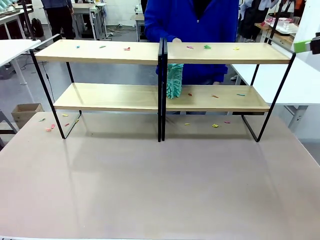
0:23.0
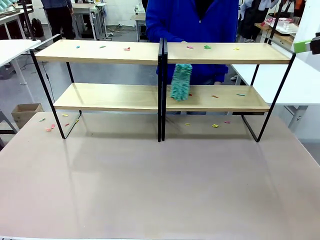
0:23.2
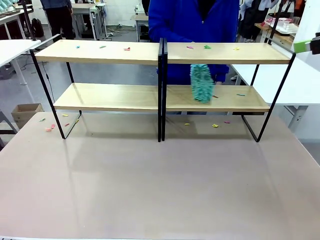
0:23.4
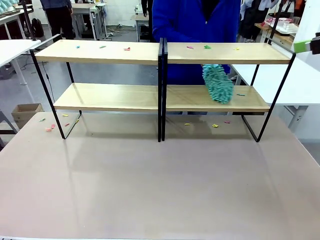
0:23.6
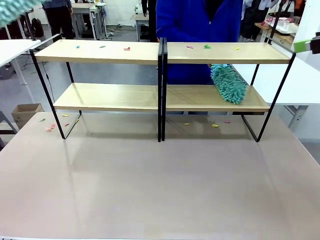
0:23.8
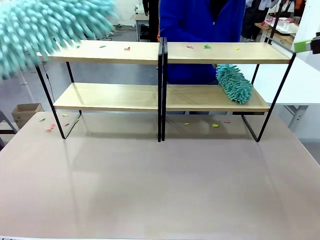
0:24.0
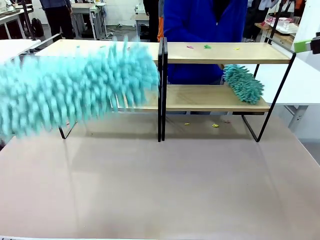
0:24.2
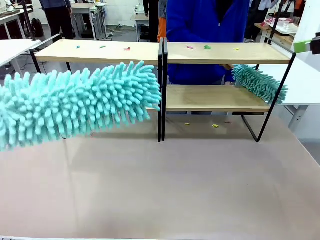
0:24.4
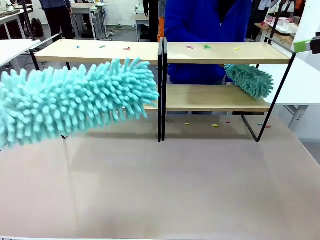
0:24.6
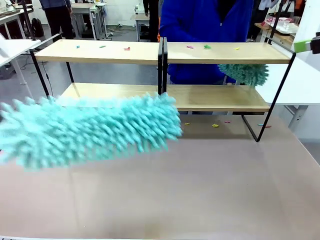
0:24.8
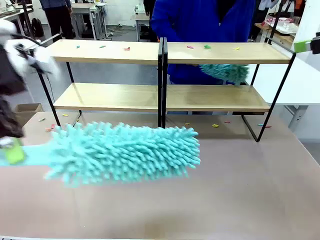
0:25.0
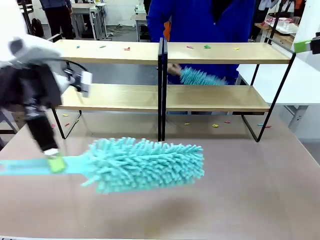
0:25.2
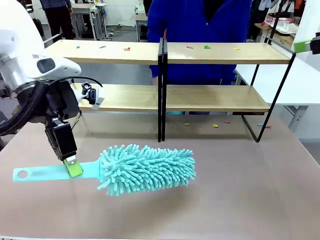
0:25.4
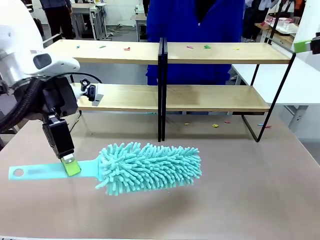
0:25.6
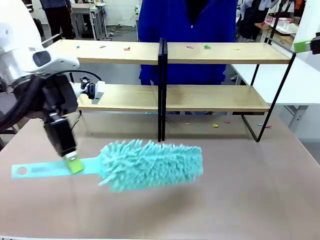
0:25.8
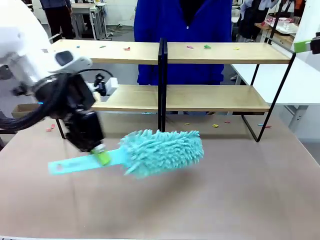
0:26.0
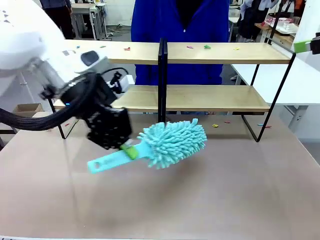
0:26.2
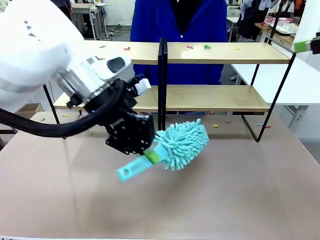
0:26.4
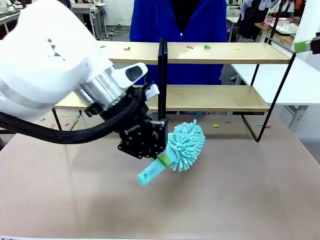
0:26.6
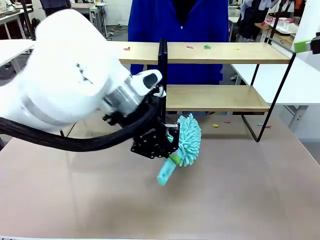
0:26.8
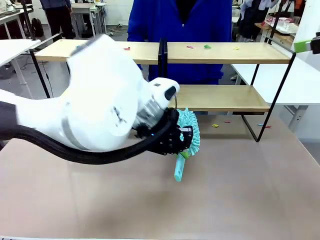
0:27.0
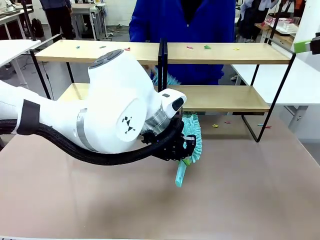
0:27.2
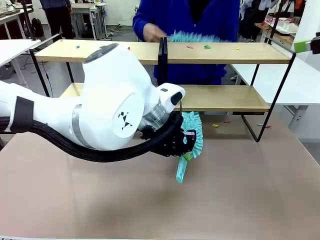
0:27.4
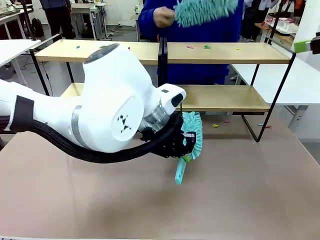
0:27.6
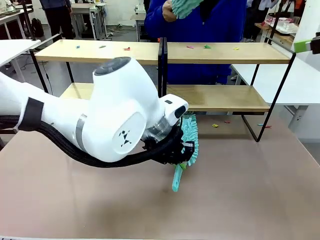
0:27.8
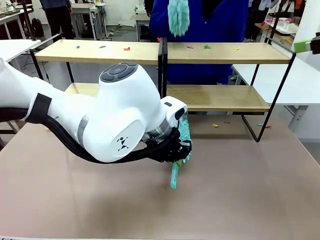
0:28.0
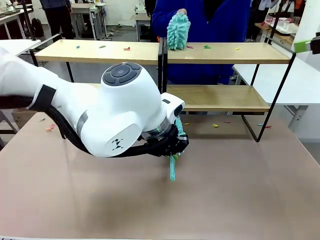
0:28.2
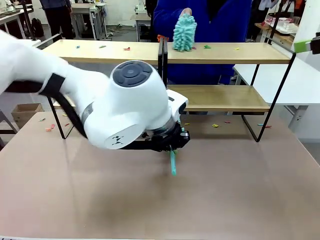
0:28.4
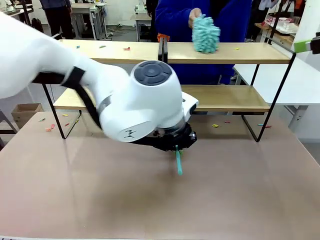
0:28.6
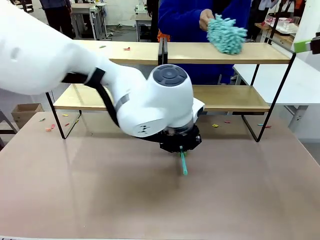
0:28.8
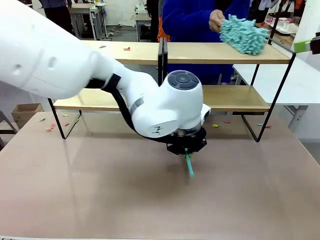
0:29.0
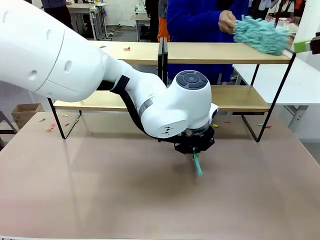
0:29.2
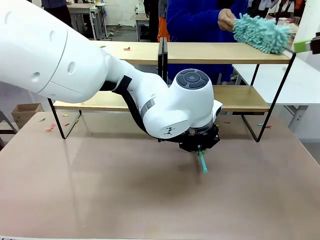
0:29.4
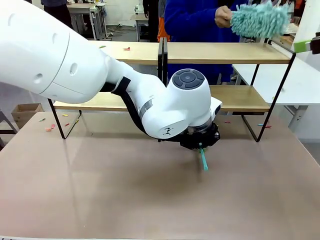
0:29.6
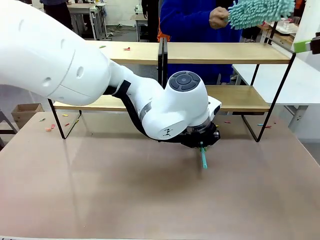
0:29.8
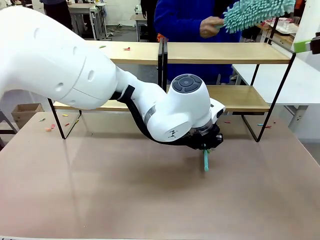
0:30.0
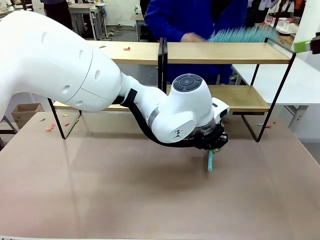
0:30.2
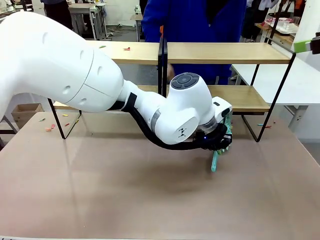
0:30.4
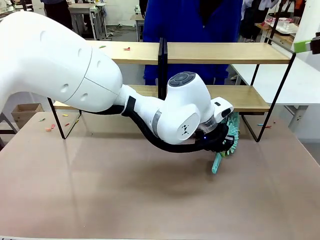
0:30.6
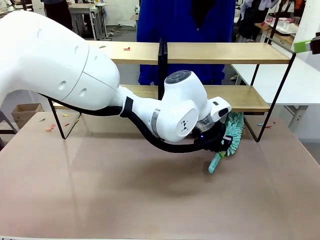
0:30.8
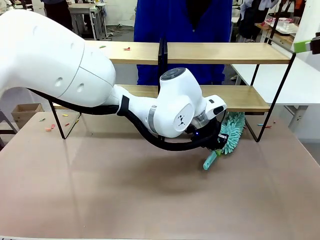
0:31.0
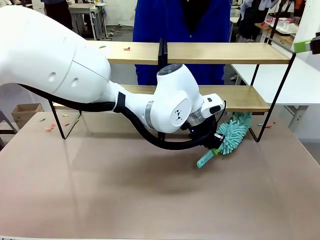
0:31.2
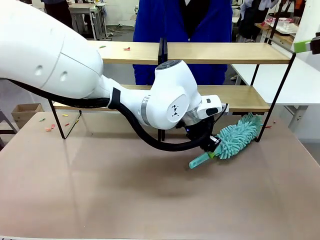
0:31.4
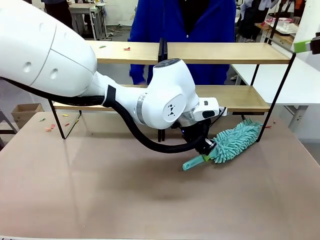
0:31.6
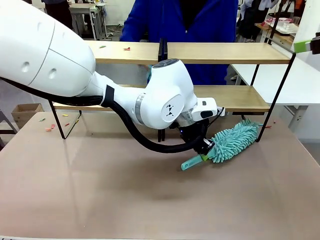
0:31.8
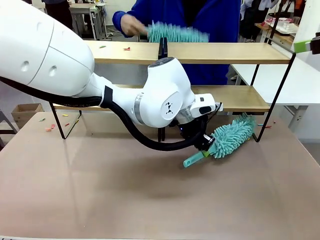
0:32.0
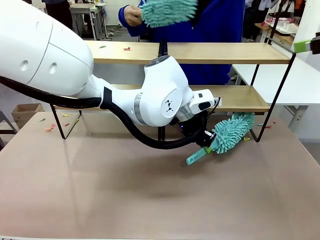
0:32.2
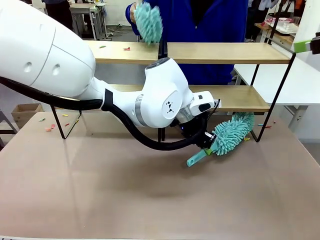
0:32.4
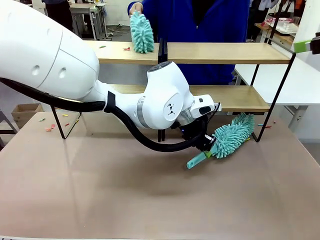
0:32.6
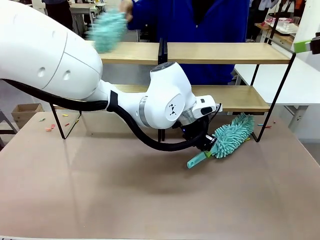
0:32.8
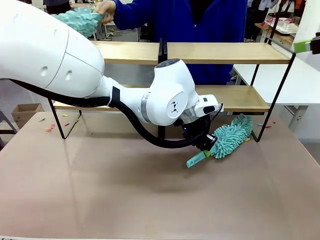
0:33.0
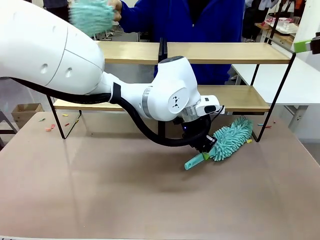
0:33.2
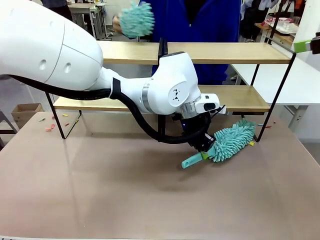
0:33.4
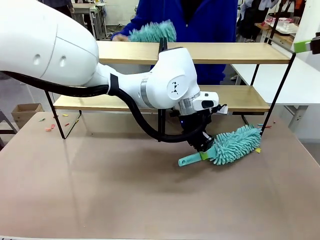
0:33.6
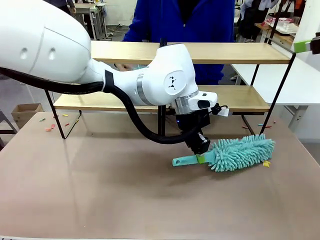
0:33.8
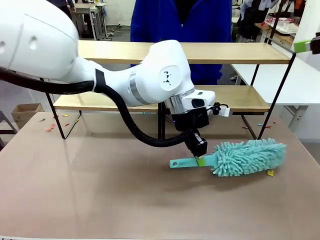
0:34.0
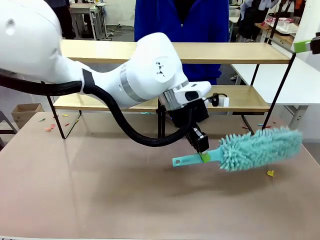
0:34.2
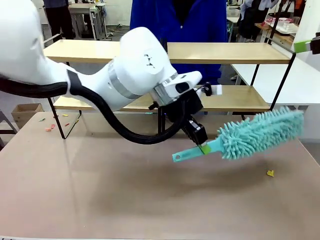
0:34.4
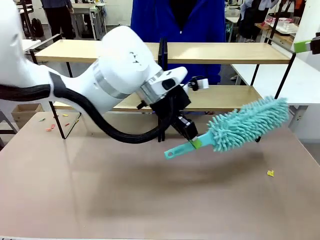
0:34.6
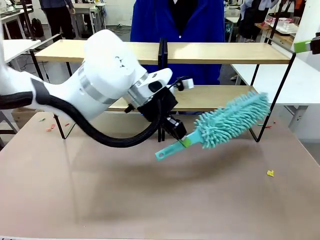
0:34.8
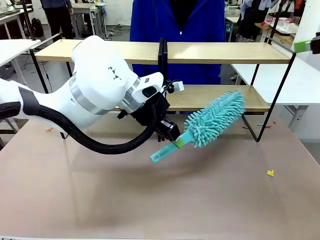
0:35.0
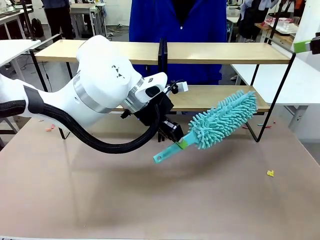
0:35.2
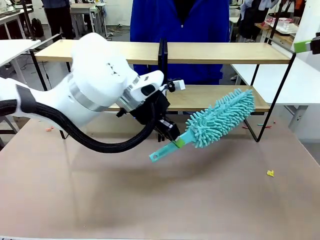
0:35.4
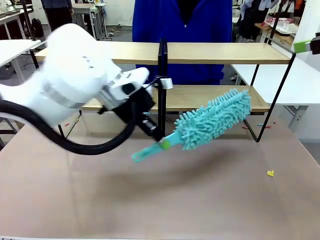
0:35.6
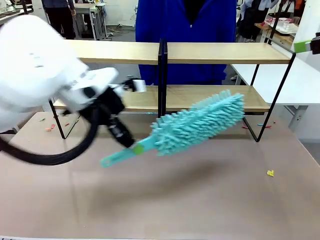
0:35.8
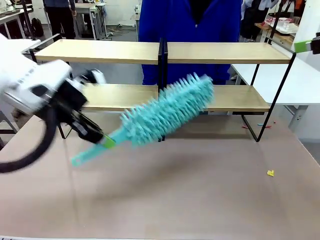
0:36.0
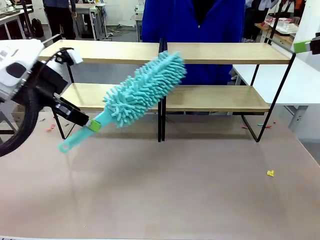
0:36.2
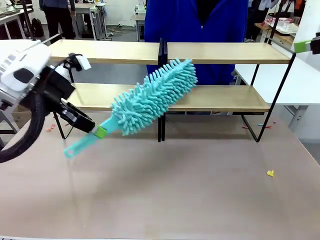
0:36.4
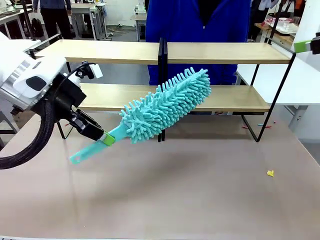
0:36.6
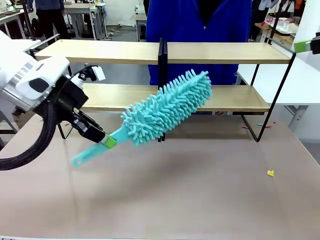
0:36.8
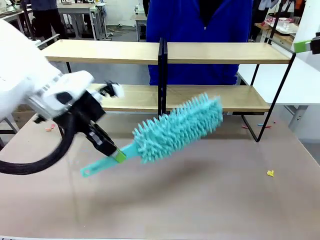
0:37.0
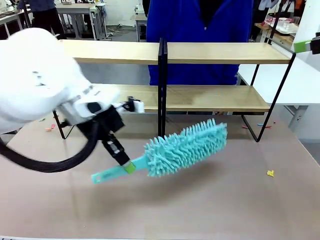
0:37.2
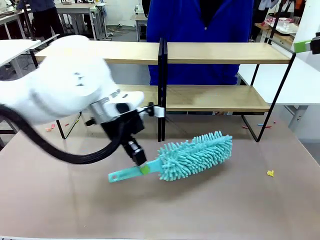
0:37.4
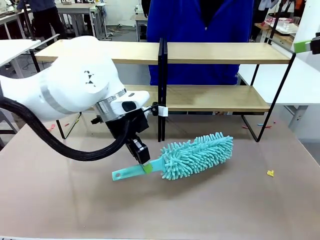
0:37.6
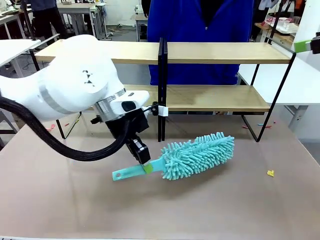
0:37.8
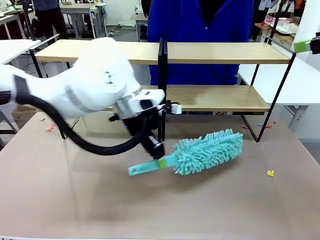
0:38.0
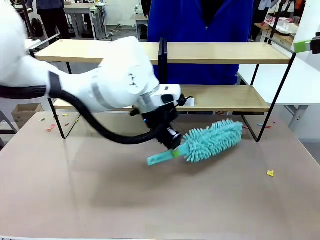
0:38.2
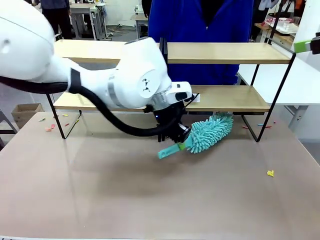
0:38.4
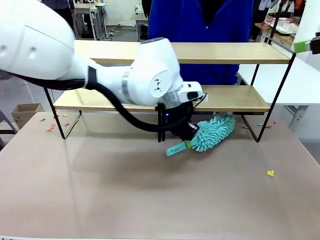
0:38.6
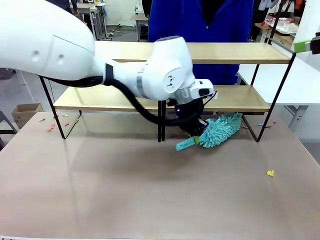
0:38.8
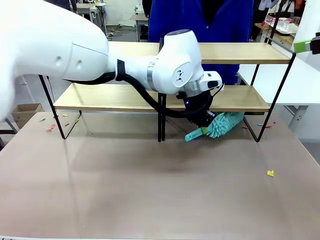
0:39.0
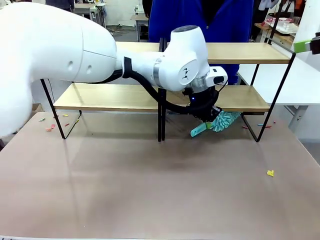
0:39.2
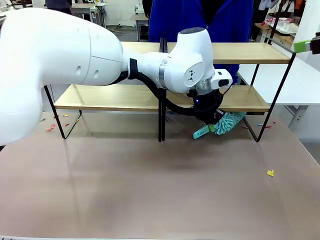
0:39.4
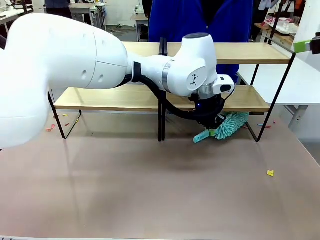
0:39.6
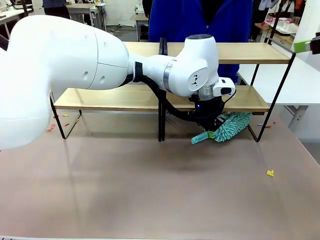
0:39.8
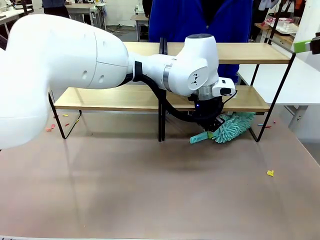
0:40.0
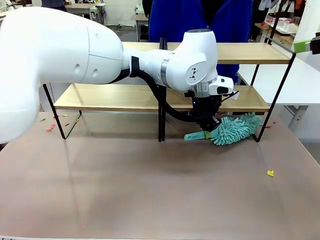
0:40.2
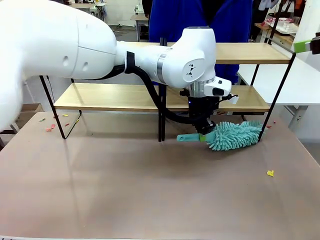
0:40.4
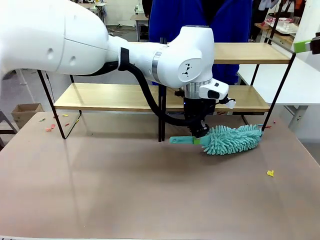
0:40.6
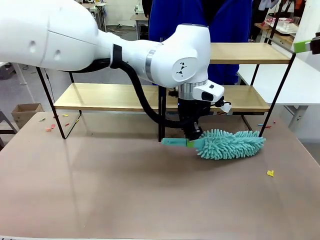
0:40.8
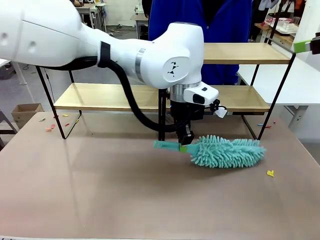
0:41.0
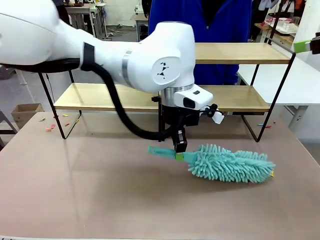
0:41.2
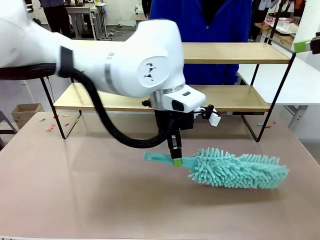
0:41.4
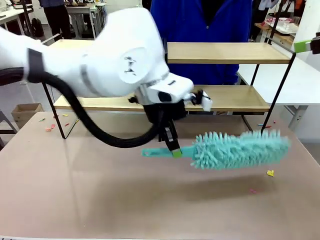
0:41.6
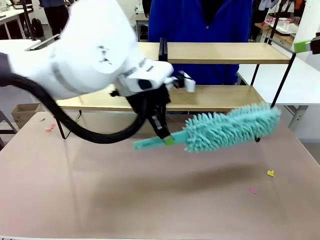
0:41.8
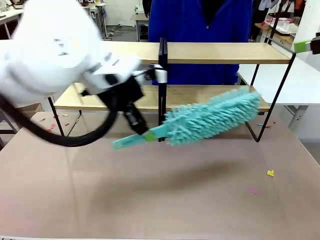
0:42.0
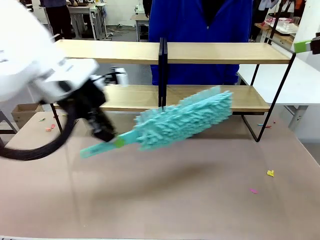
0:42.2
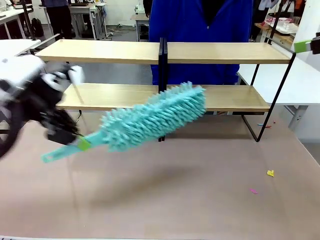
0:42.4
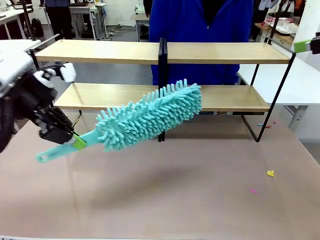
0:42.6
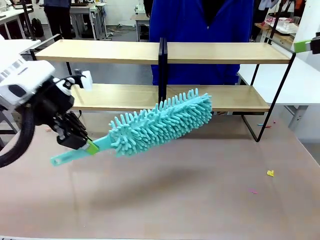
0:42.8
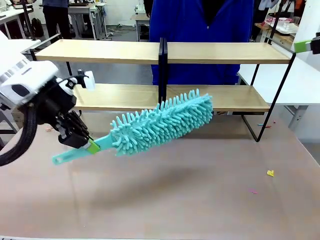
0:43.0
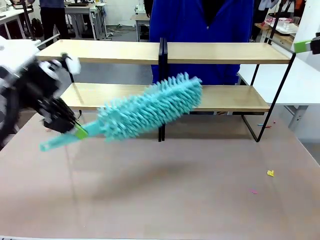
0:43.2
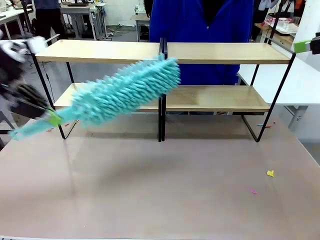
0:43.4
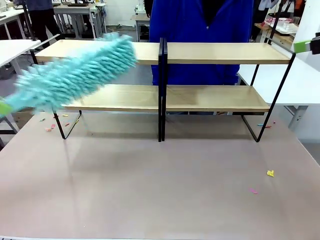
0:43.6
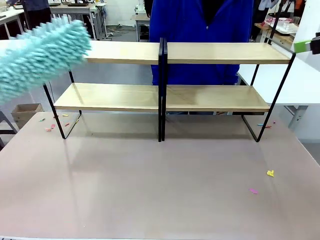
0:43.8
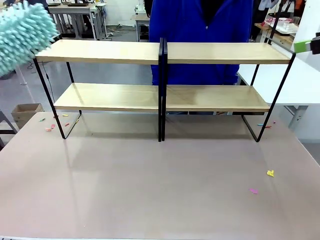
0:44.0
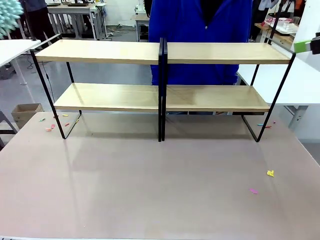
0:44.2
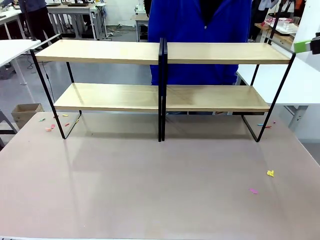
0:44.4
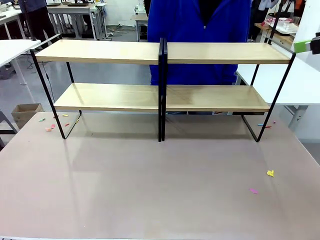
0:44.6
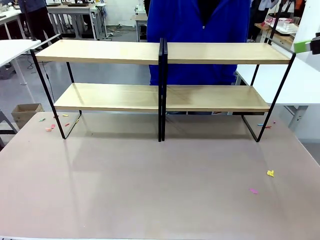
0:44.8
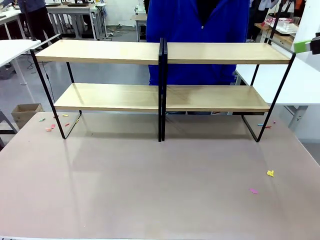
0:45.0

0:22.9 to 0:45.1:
Task: Clean the shelves.
Robot: Clean another randomly selected level of the Shelf with the Duster.
Person: Clean a randomly selected level of the Shelf with the Duster.
